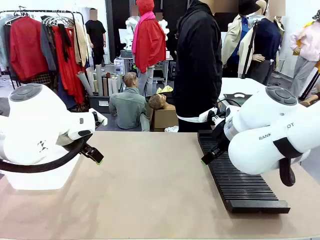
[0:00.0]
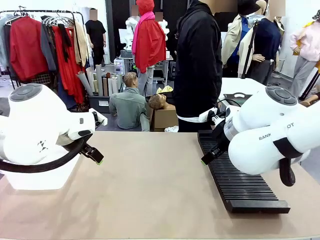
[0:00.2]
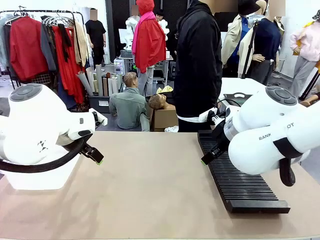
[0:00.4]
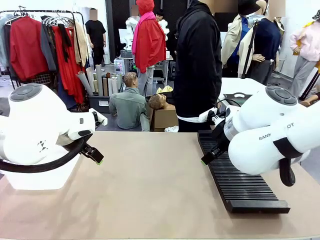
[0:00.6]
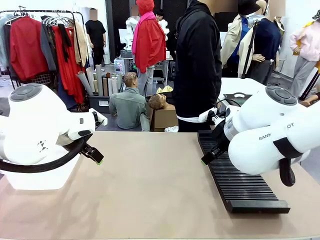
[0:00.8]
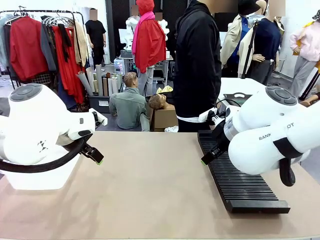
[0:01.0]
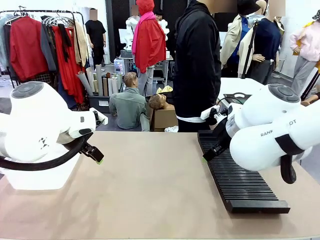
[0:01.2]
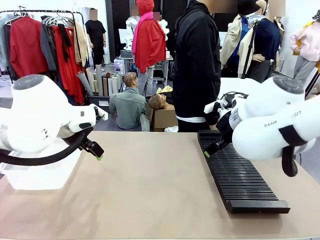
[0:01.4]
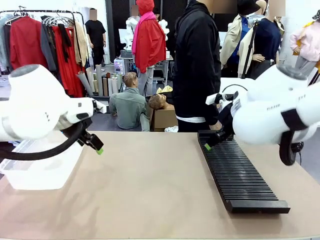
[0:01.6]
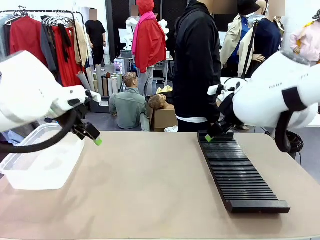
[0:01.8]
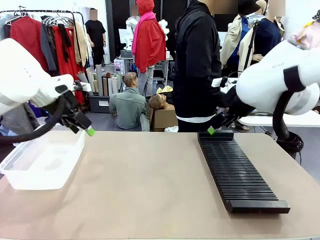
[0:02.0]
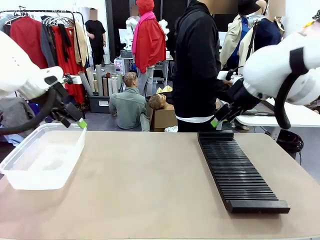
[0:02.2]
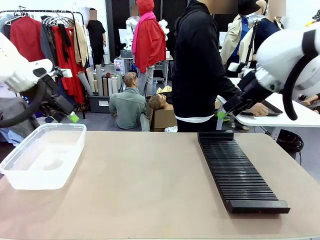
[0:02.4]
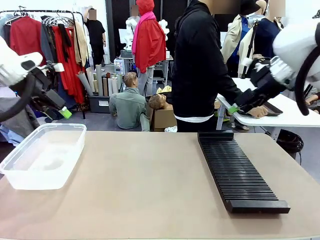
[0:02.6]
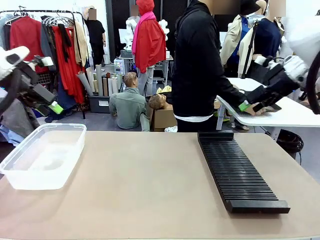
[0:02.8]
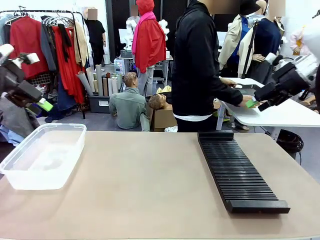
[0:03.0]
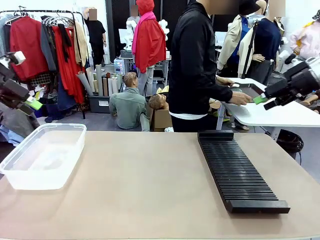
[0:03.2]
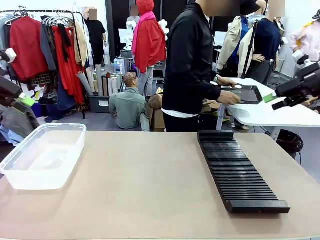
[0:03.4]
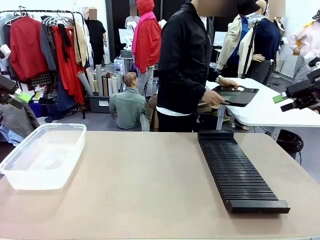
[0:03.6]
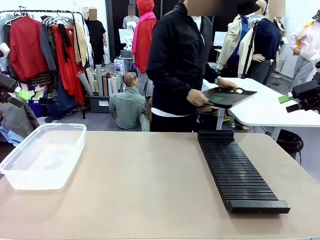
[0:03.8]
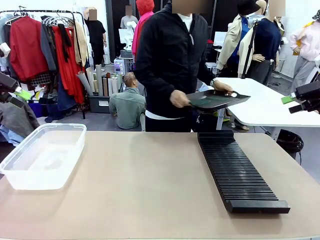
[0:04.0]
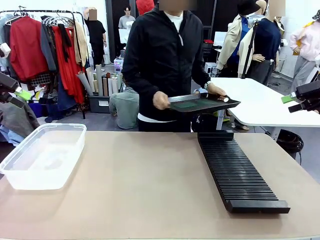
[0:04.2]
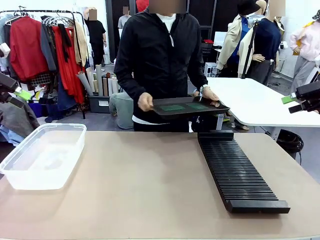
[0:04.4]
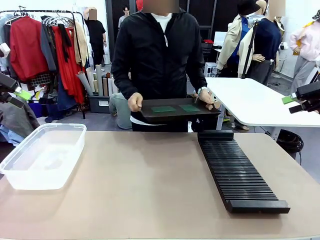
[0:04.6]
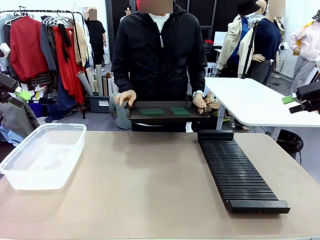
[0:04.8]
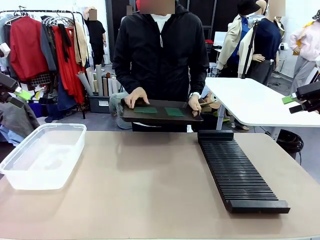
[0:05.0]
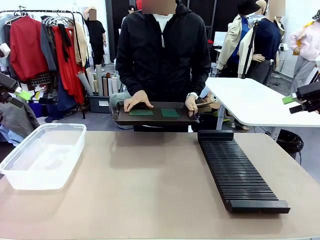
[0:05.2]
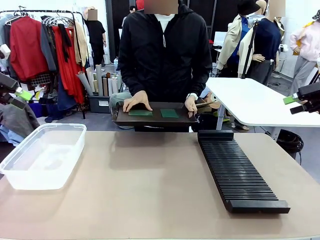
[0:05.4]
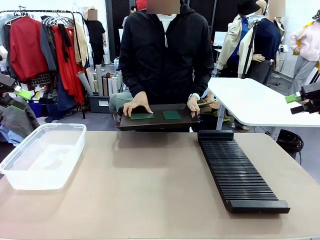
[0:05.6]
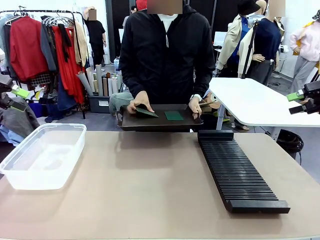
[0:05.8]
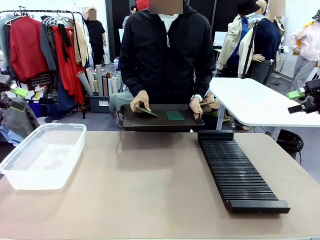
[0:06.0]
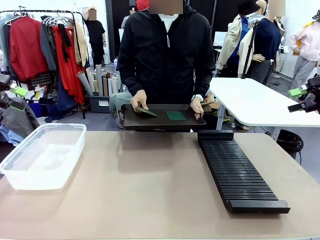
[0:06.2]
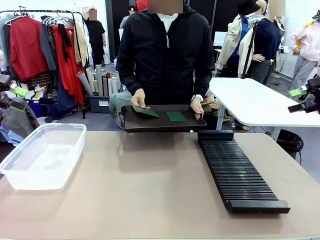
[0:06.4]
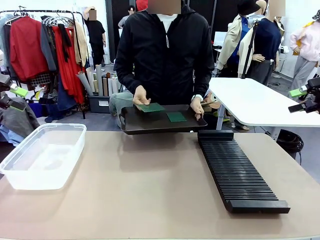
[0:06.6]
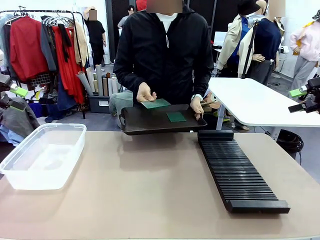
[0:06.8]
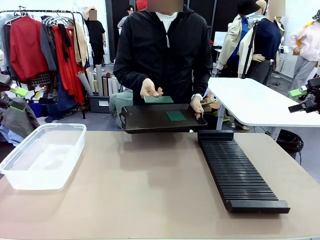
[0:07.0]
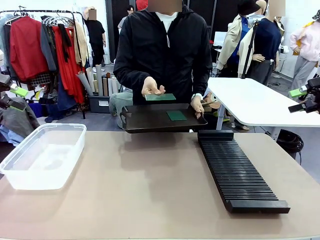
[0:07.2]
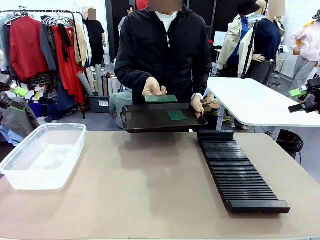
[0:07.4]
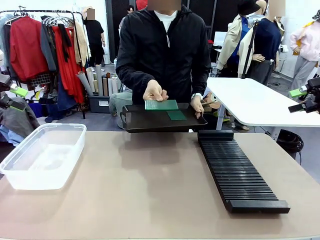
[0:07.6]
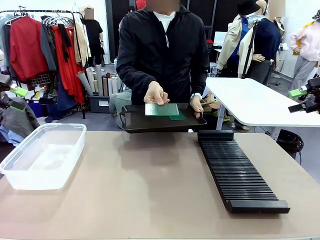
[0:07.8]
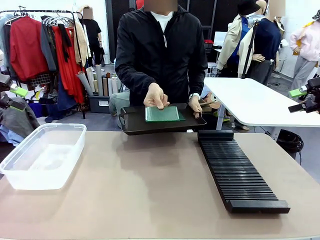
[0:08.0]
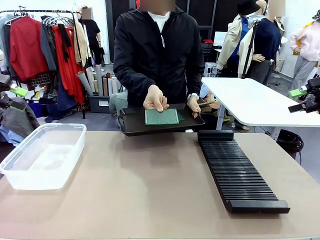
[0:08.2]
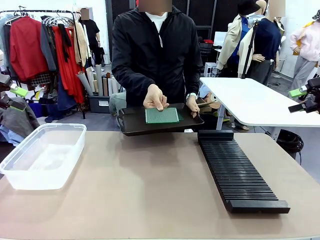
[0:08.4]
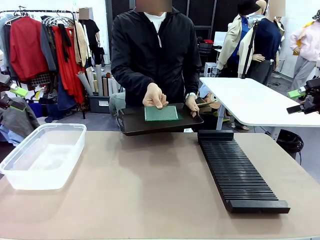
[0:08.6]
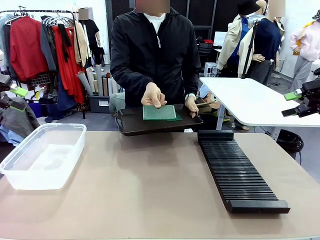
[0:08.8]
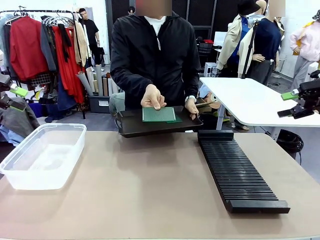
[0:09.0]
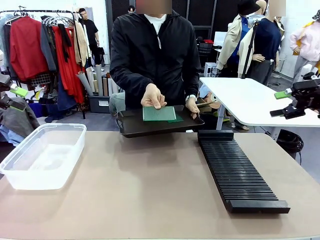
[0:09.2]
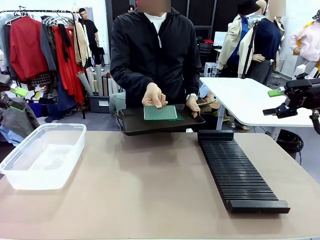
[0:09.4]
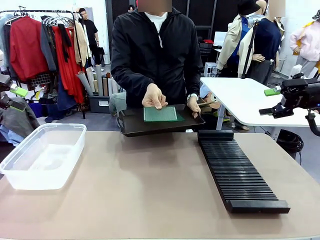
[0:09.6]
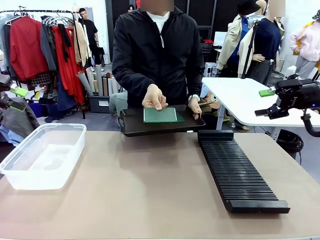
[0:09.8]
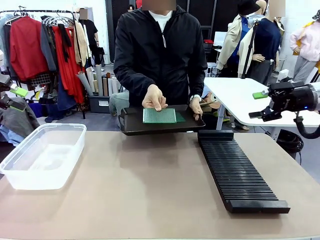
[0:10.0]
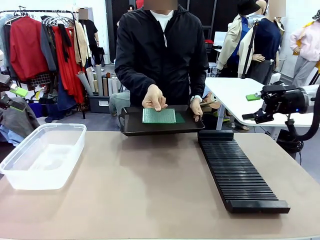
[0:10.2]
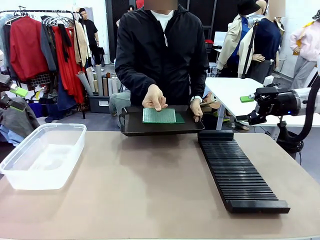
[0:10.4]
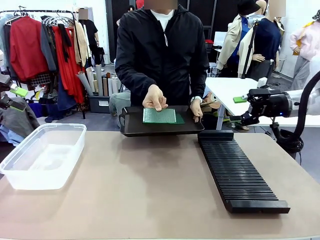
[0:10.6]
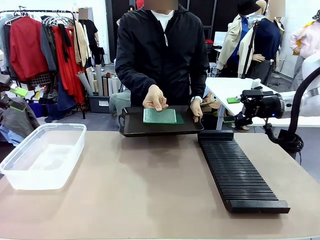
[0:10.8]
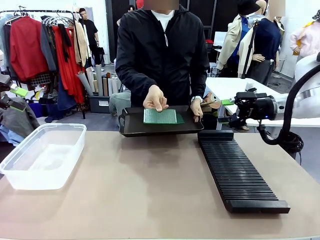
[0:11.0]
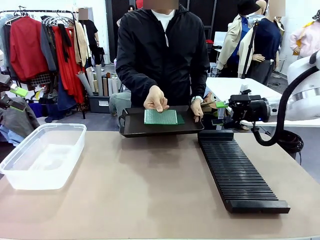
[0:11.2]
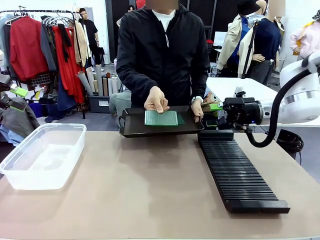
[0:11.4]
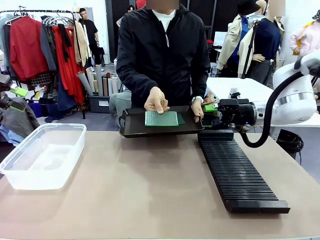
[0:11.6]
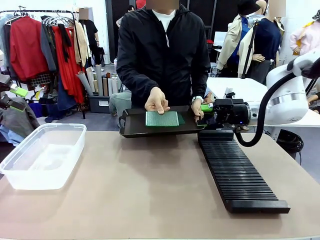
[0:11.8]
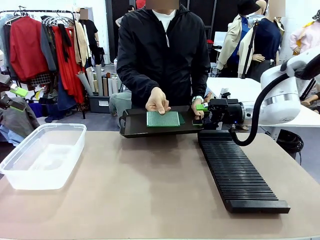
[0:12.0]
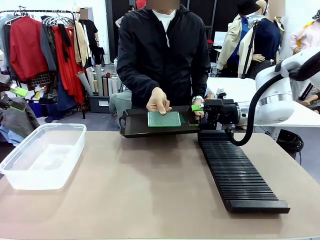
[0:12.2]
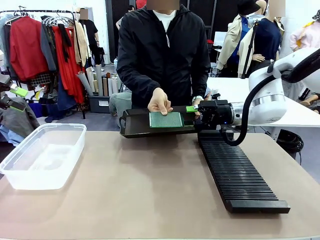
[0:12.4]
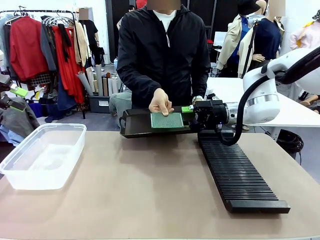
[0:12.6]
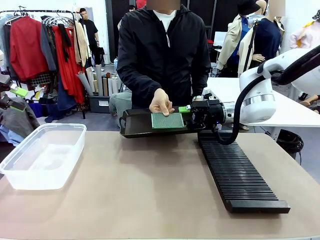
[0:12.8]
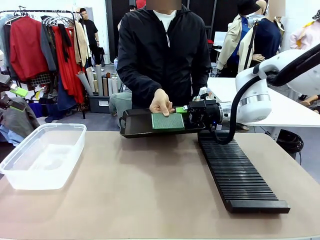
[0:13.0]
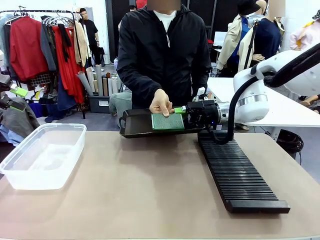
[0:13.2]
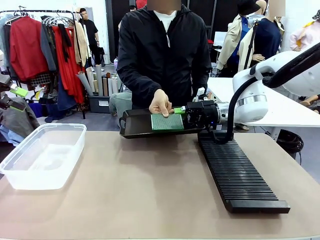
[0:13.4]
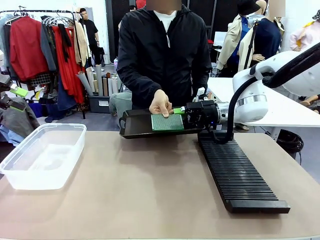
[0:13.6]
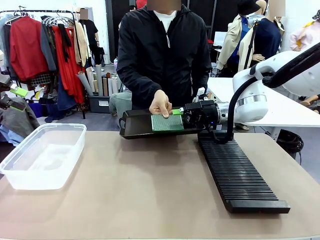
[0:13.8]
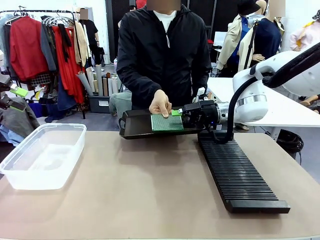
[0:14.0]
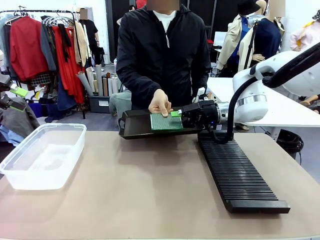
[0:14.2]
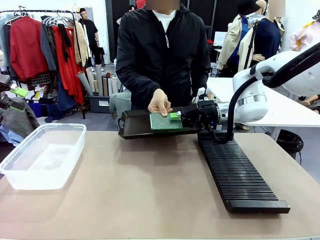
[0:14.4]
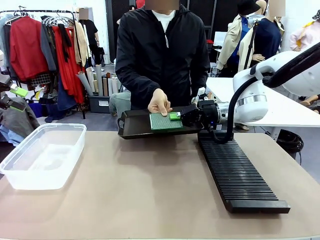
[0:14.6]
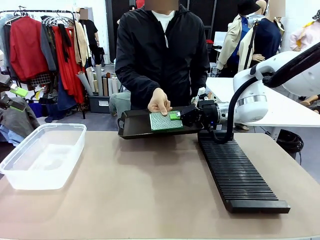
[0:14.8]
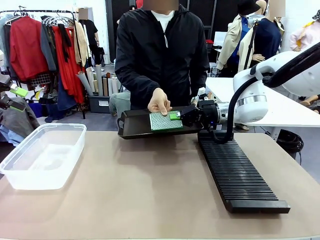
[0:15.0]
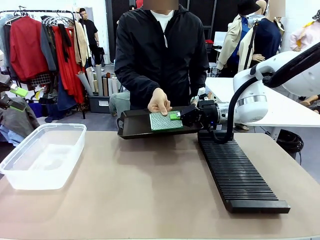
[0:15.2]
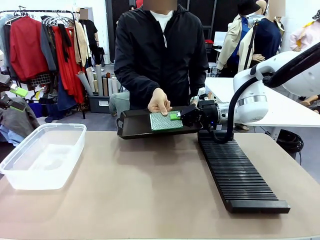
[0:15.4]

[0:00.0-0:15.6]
Task: Sort PCBs into racks and boxes based on the side picked up.
Robot: Pick up the Blank PCB handed by the Human.
Person: Pick one PCB from the tray and present it to the robot. Release the PCB being held.
